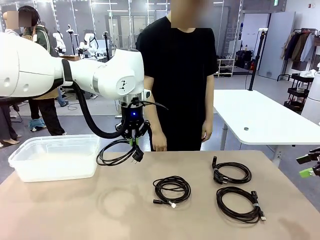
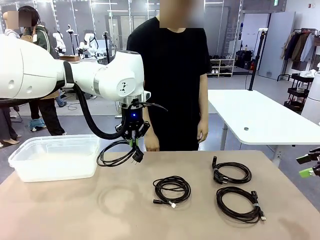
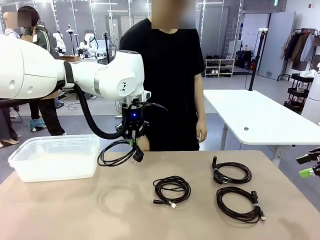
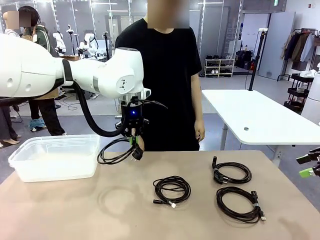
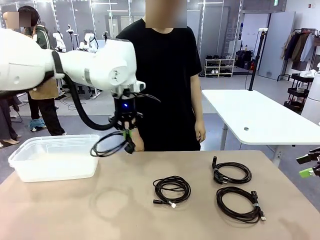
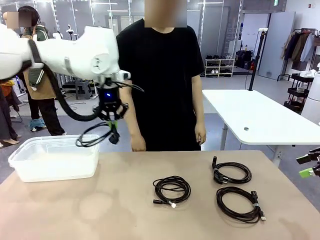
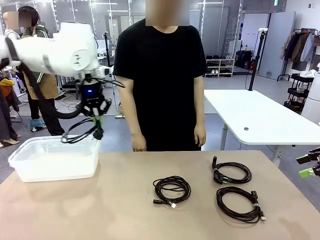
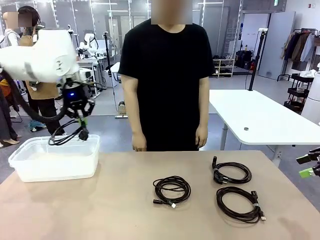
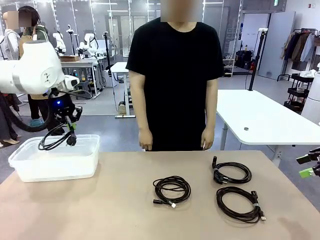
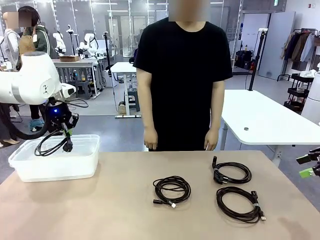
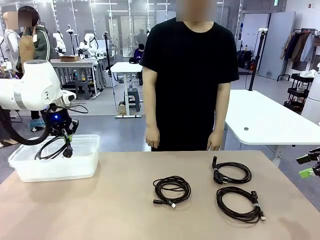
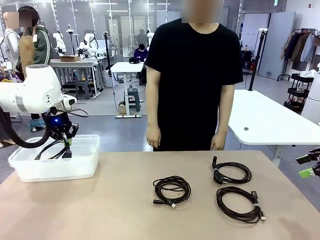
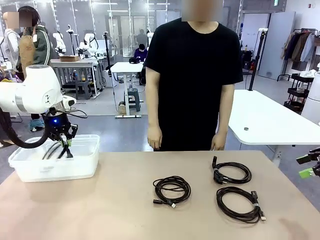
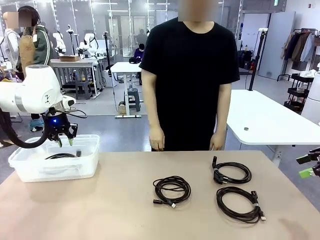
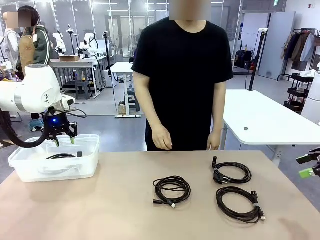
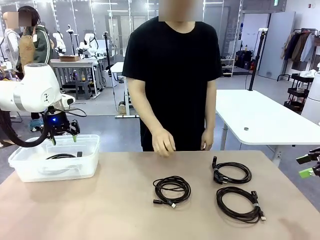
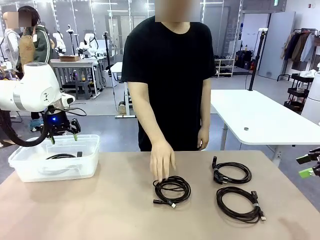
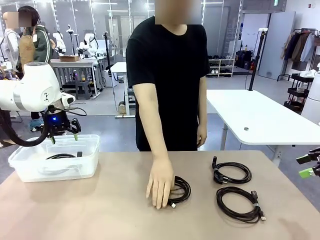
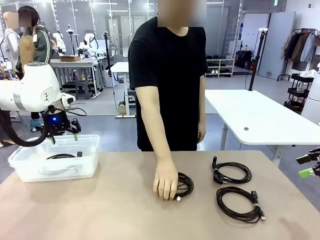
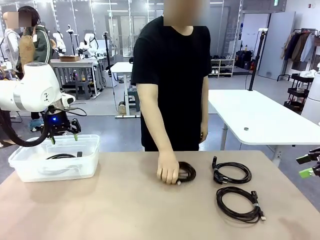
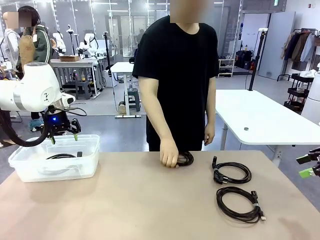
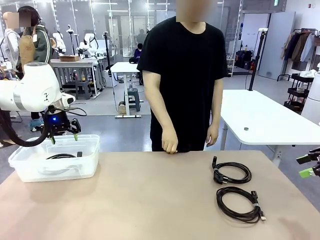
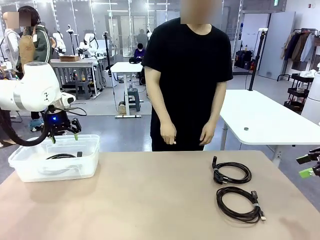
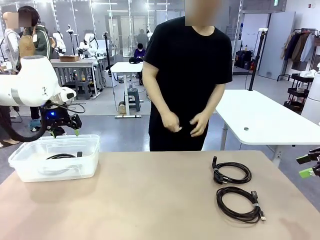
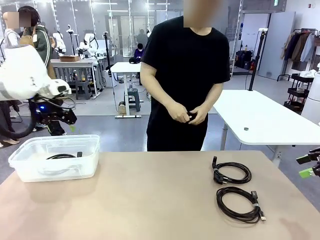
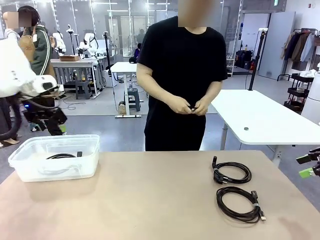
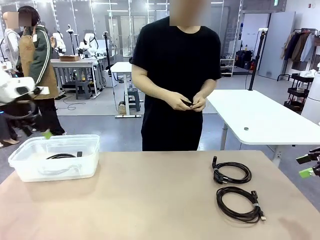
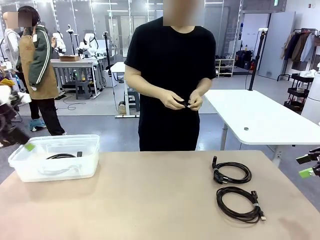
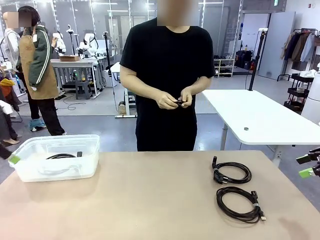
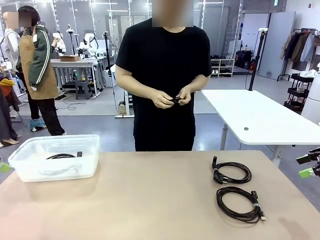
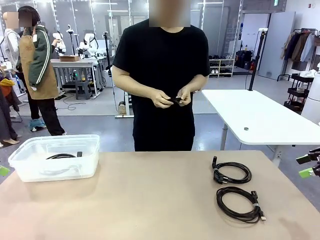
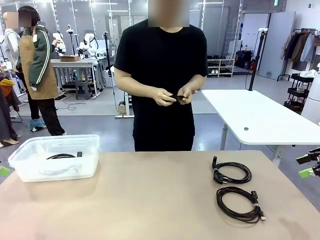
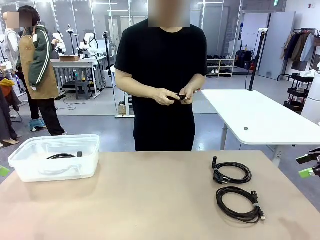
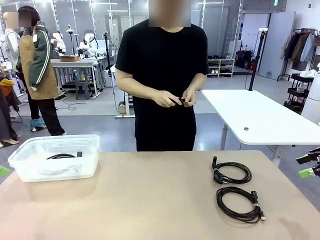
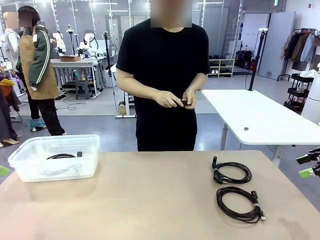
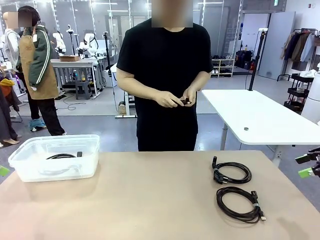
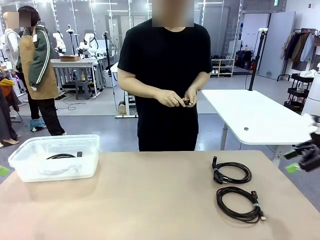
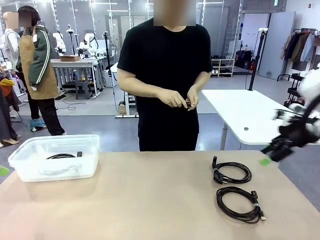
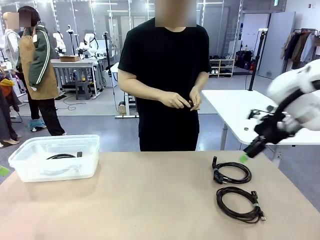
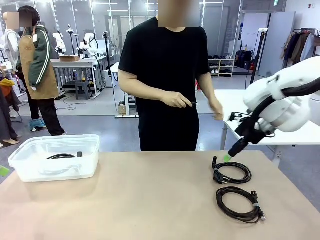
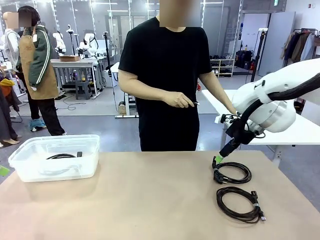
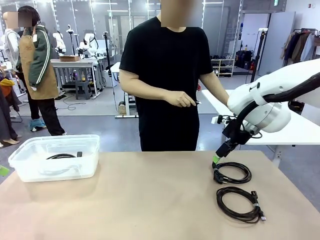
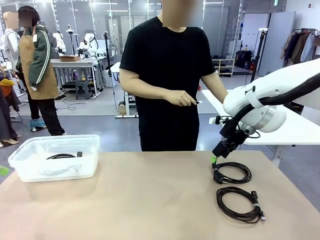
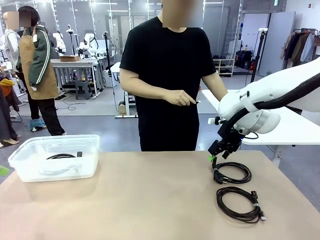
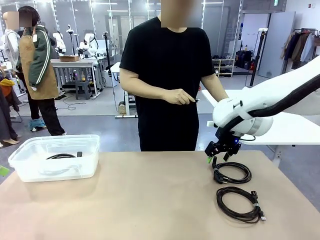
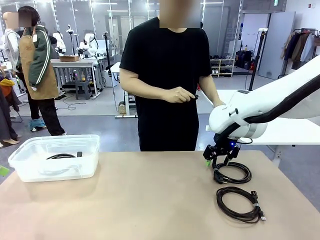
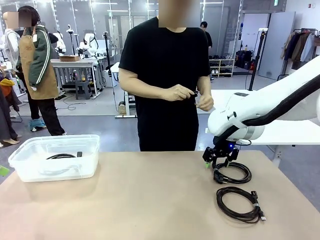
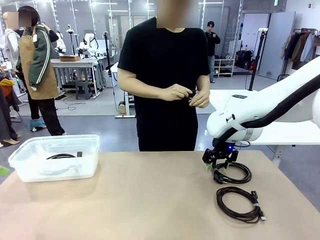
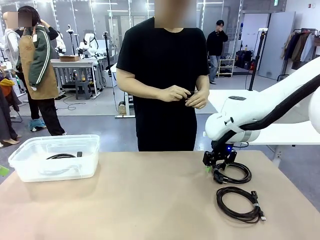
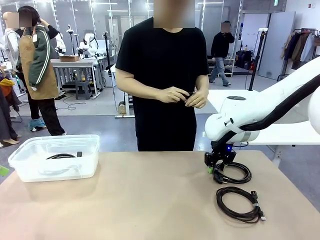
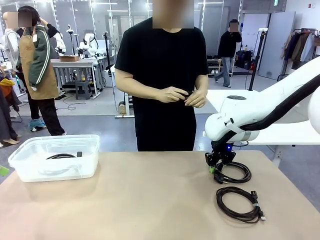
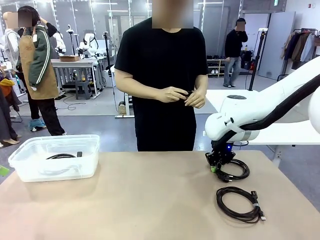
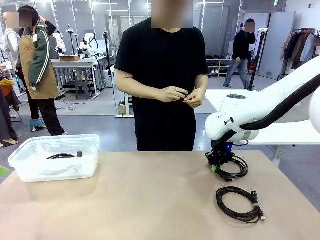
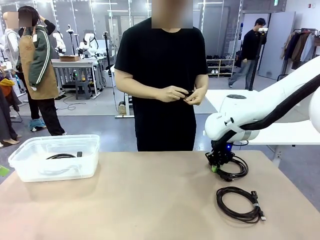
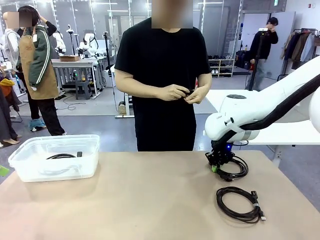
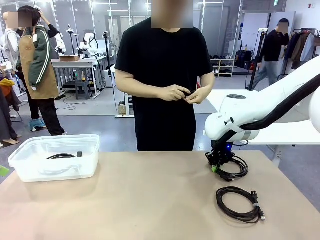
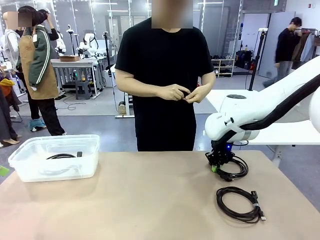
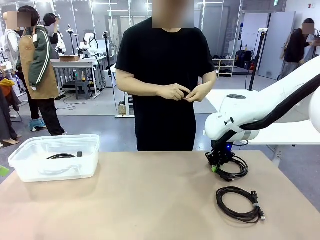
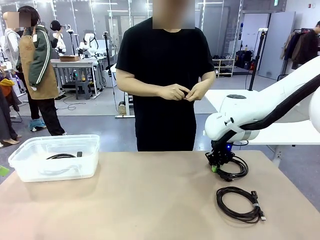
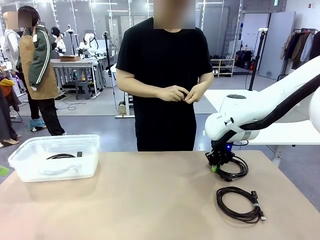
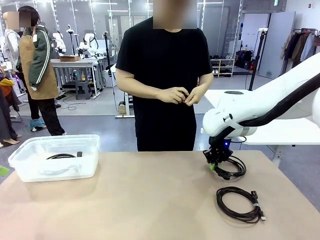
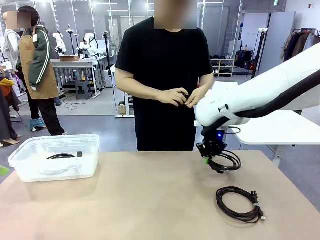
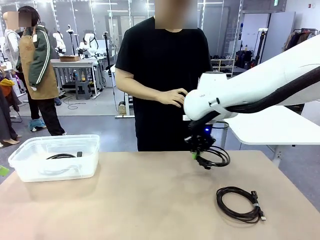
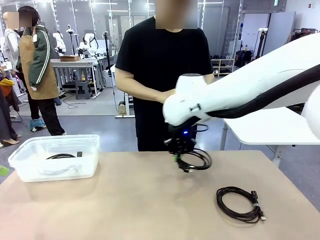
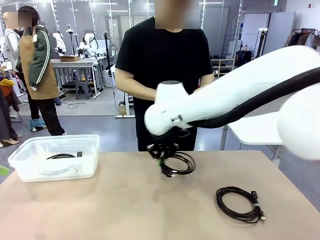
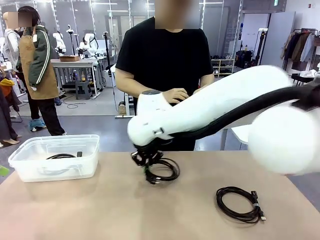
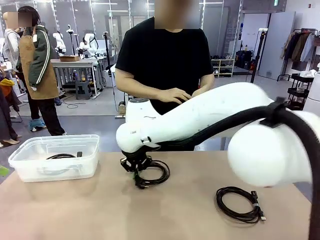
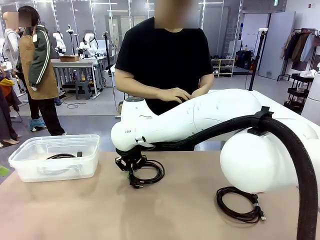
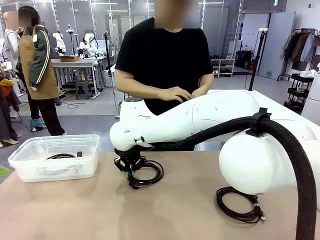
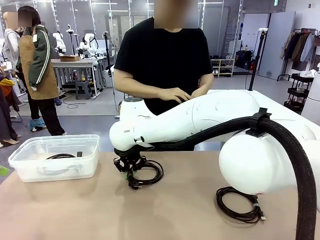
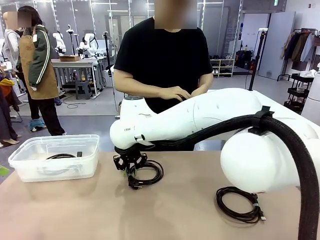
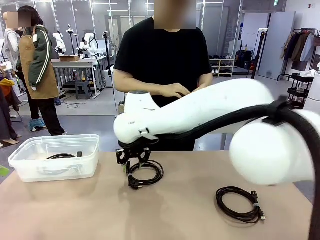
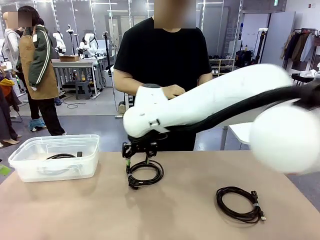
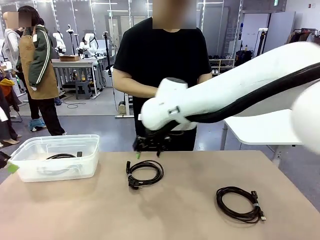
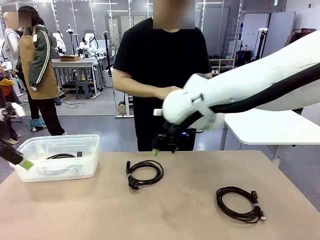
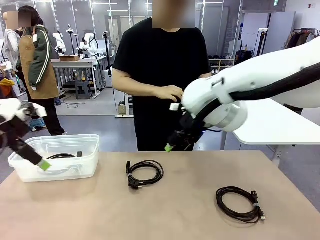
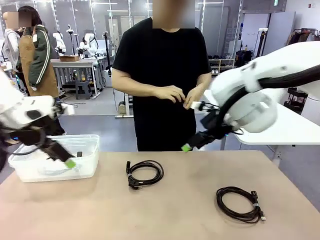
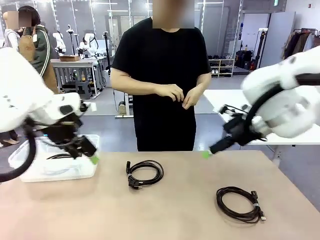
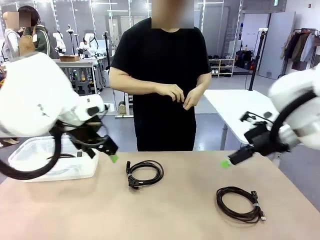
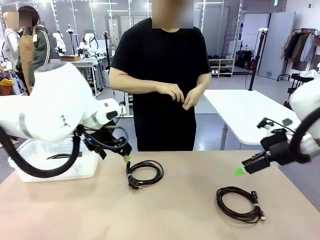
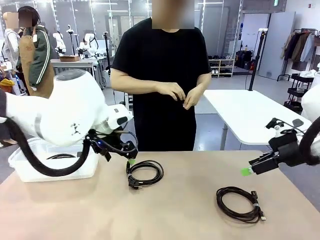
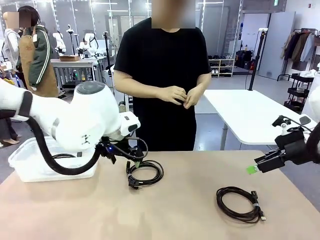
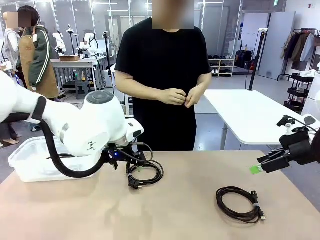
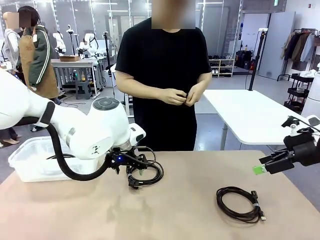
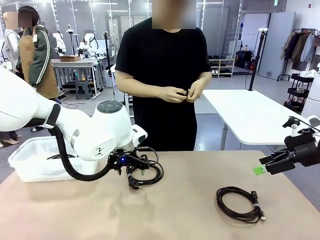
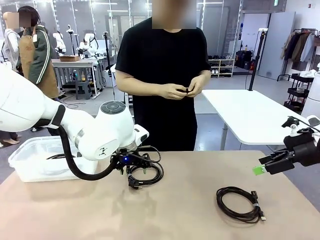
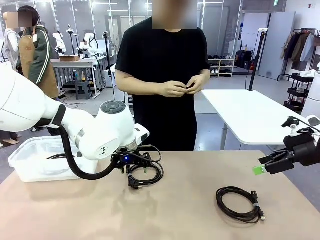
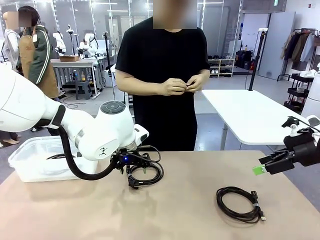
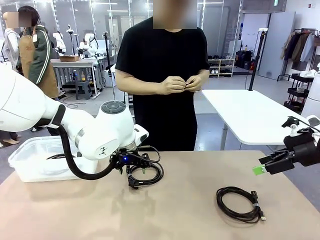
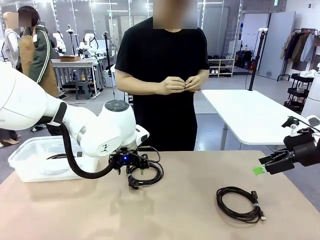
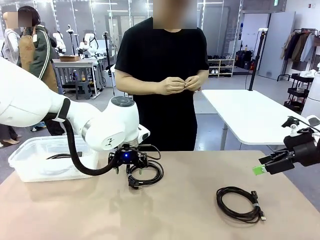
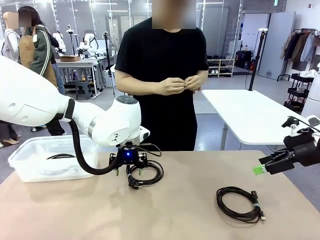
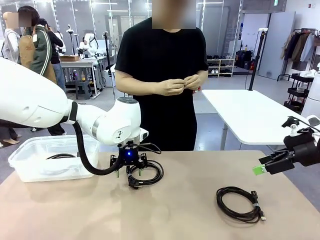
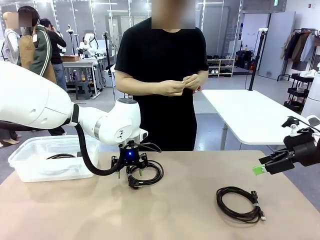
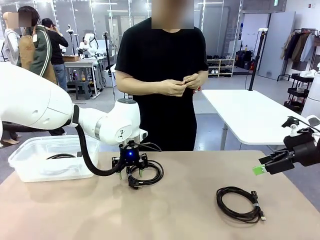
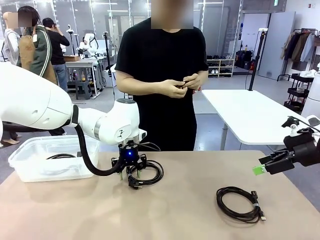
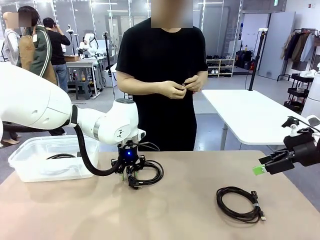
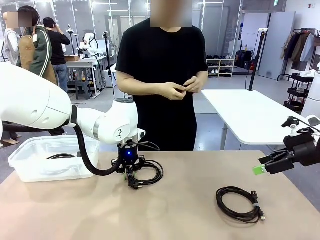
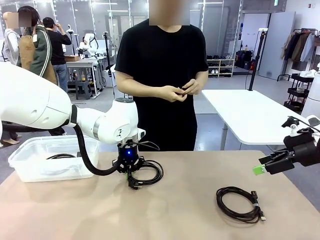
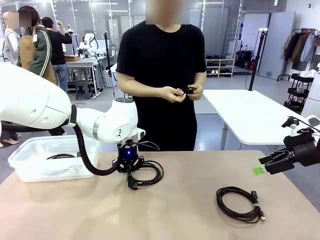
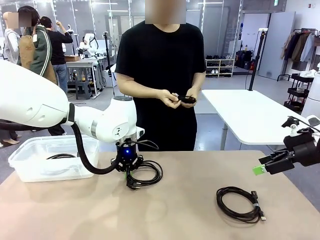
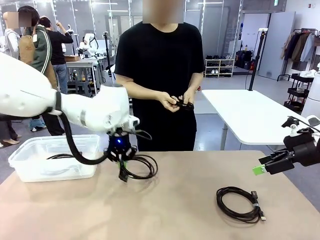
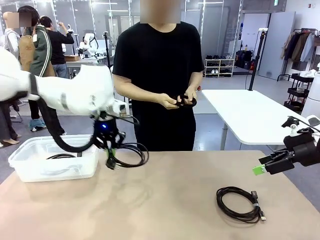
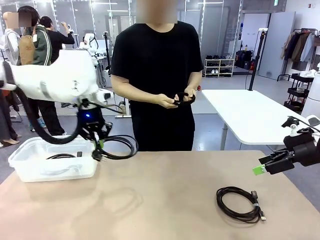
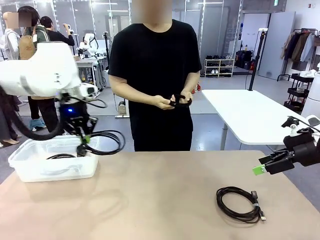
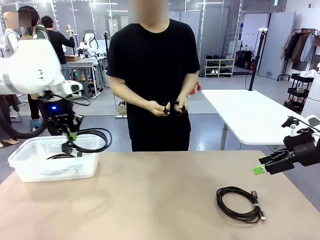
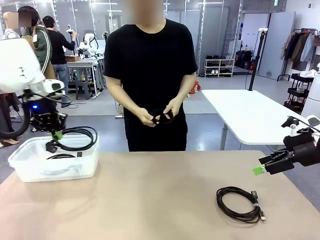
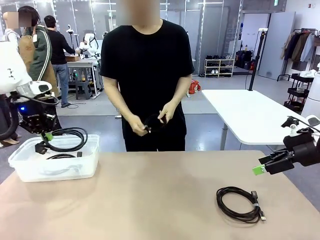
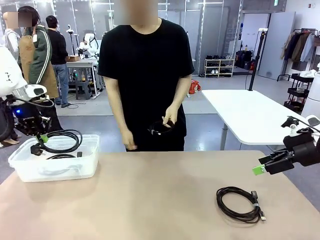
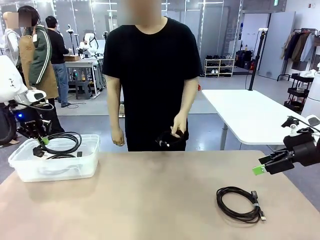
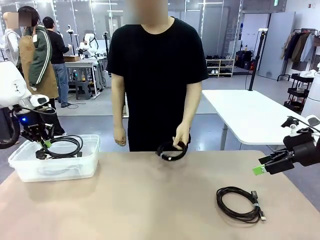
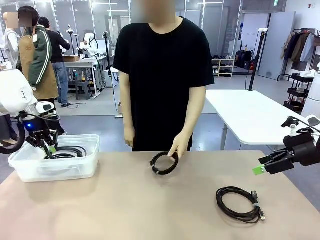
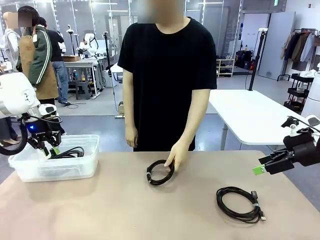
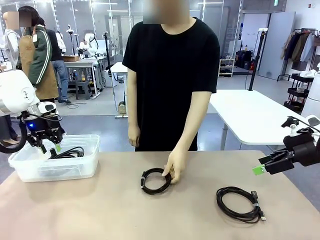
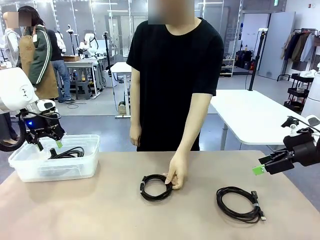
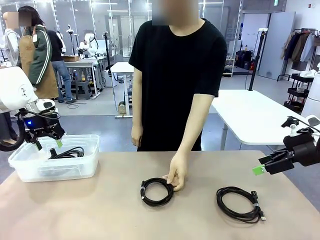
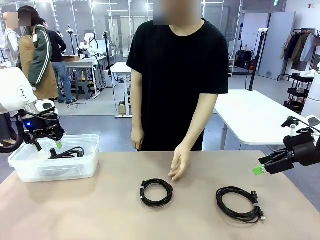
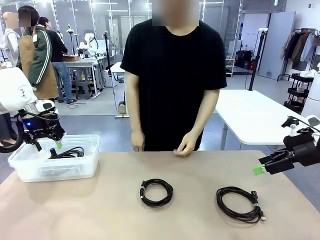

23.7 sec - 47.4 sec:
Task: Organize and store the cables.
Robot: Place the Power Cable into the Organizing box.
